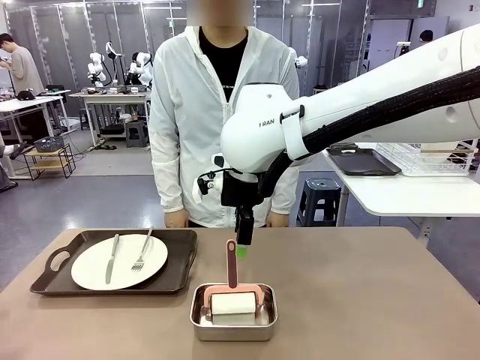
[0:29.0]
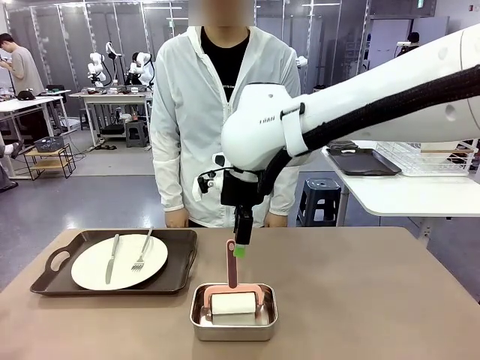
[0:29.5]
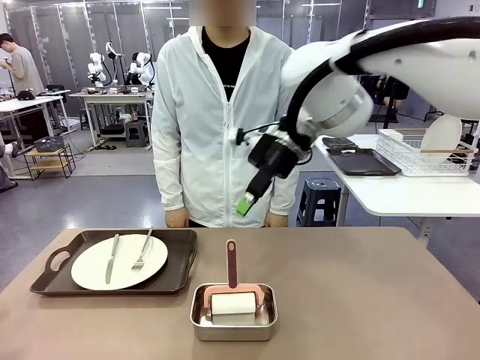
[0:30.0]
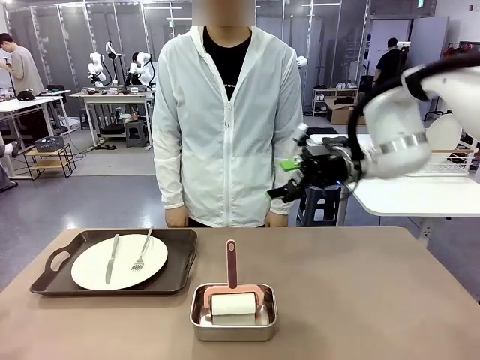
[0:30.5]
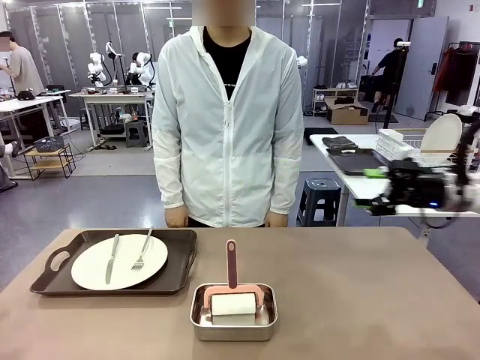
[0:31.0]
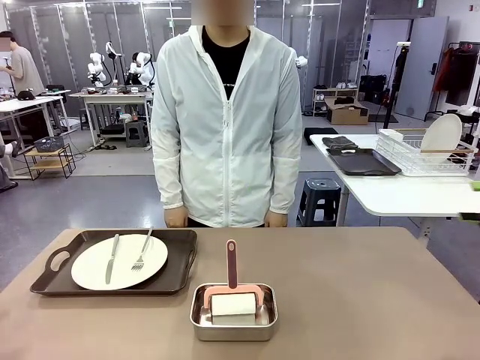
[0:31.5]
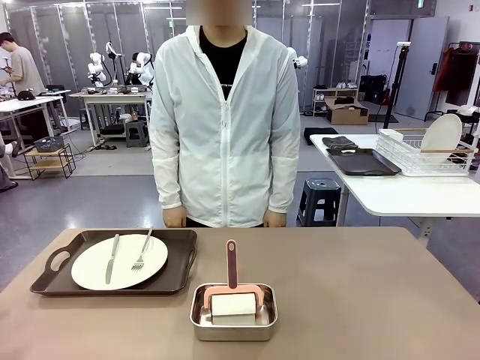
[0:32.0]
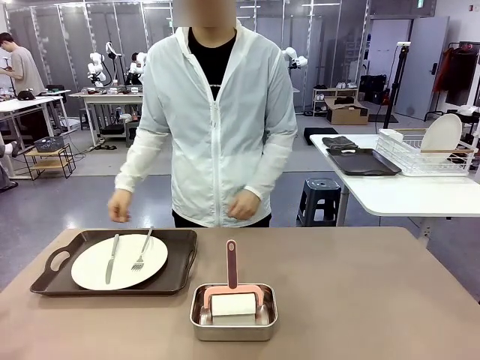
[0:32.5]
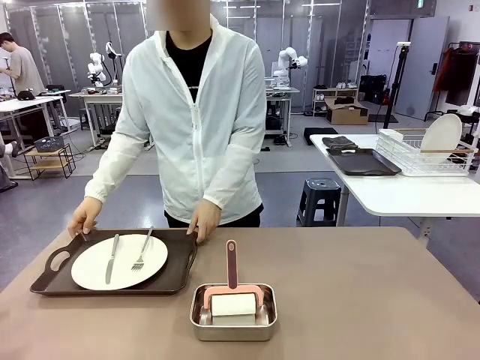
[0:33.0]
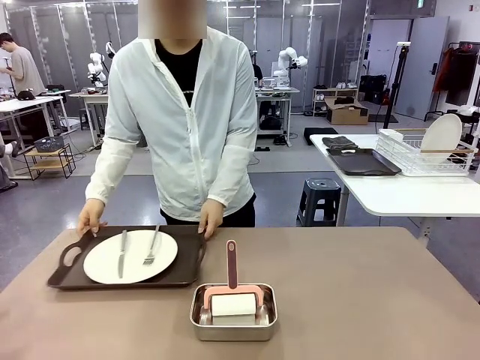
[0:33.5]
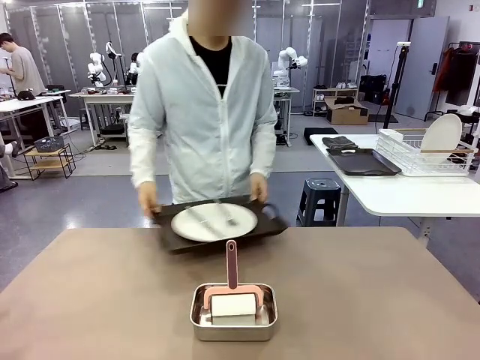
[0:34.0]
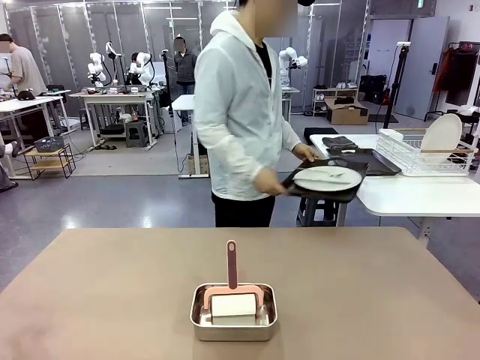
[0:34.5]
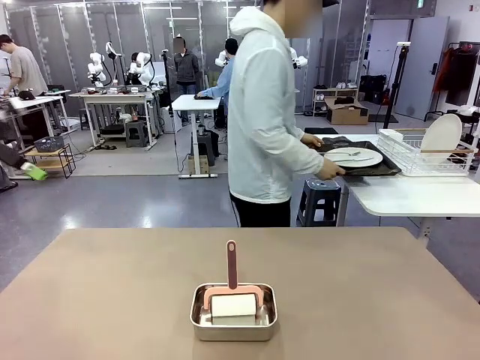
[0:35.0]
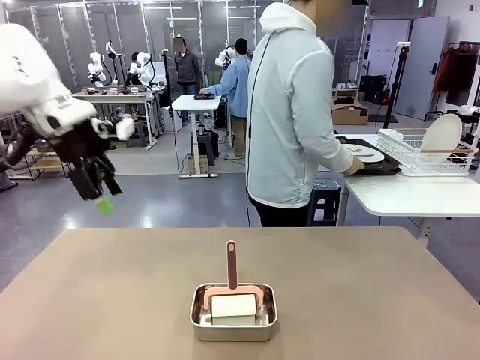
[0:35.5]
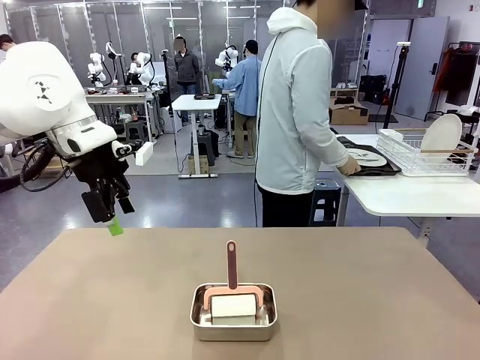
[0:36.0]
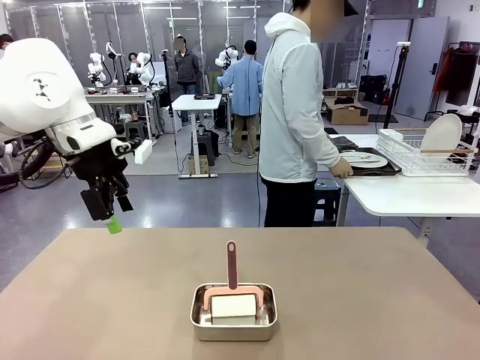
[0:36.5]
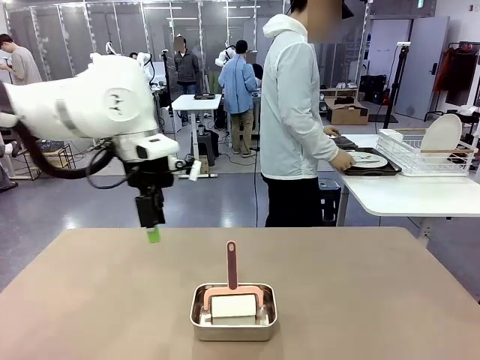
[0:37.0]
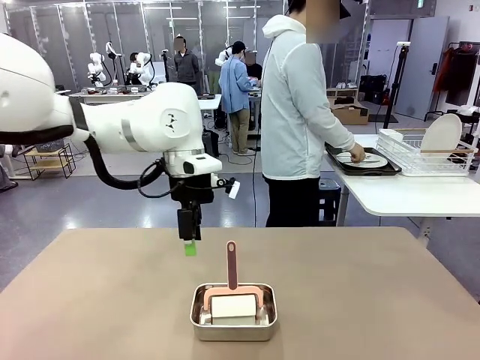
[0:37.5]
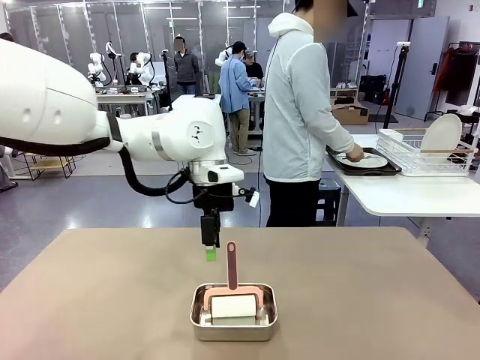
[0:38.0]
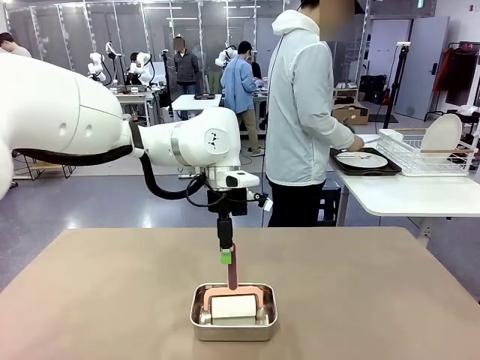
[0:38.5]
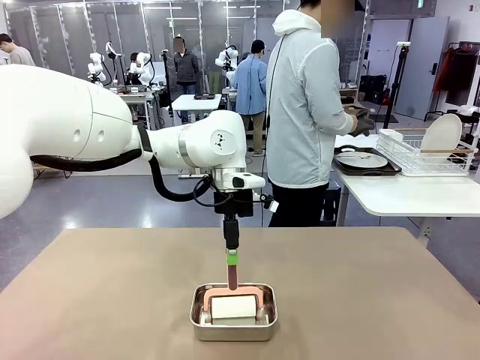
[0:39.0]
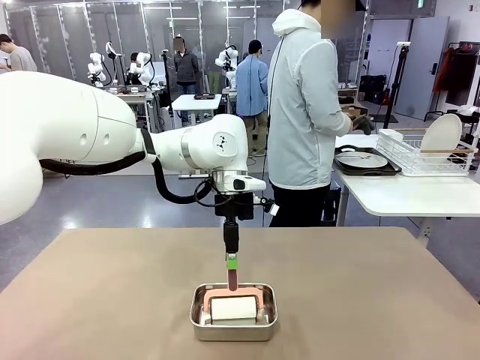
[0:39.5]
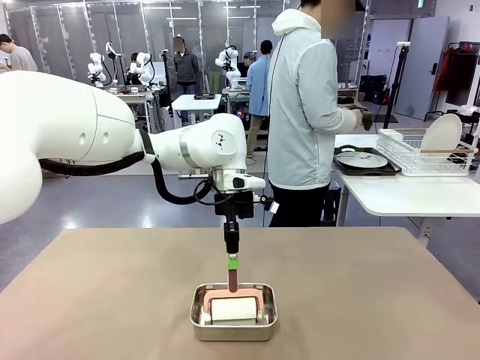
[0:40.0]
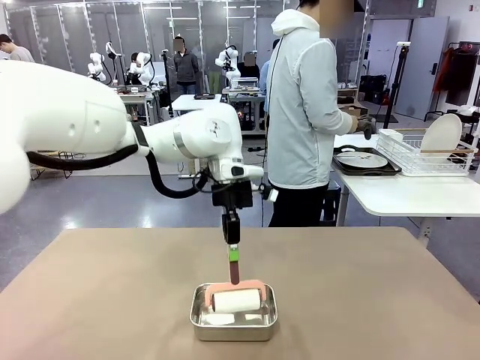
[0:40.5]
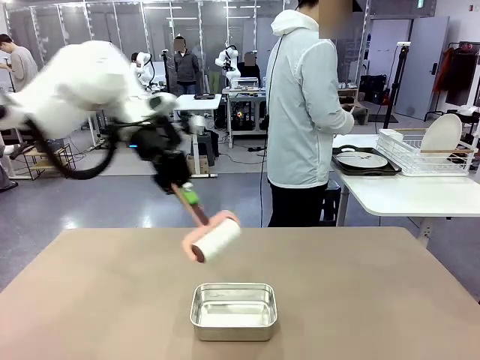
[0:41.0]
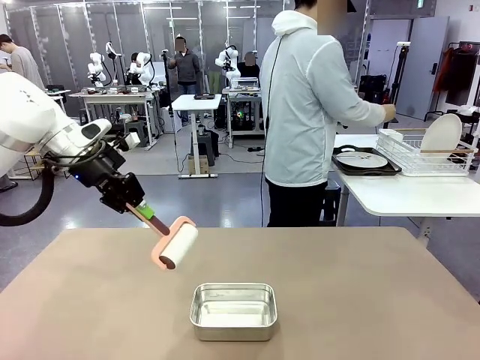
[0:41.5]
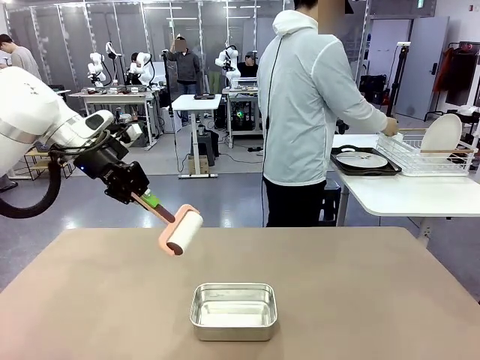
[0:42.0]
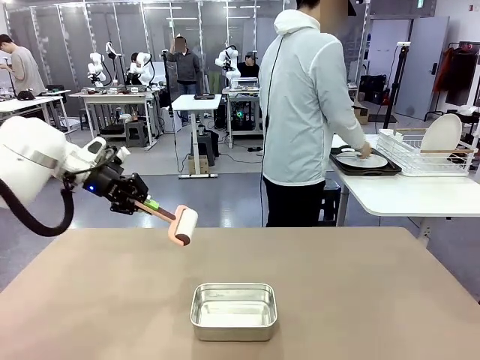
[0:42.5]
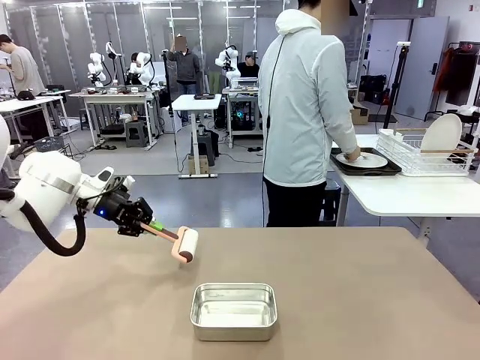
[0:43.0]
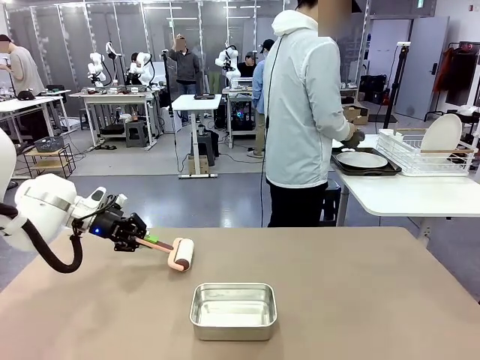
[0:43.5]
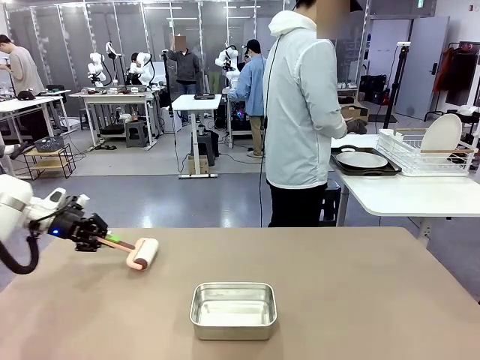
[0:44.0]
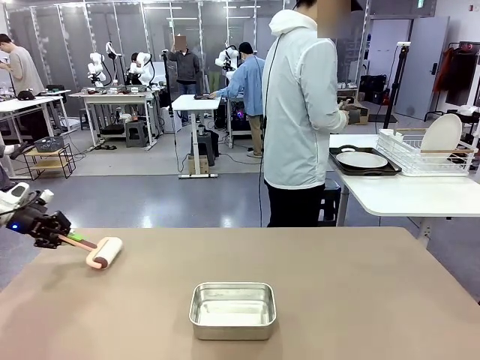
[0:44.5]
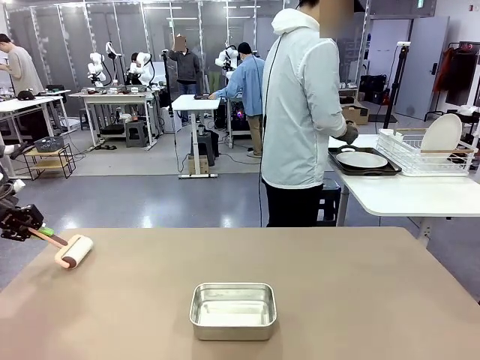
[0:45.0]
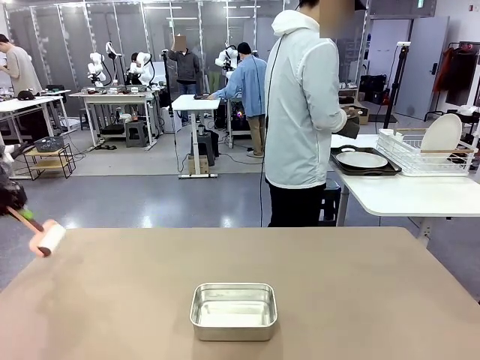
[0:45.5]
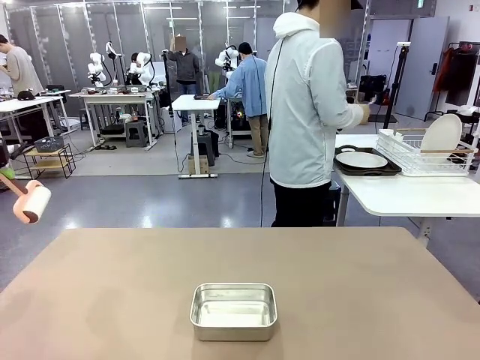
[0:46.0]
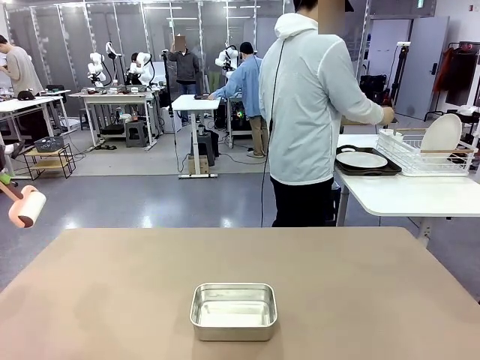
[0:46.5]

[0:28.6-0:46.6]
Robot: When the right (or left) Handle tray is removed, use the right hand (or left hand) to clean the right (or left) side of the table with the Lint Roller.
Person: Pick up the left (or right) Handle tray and place it on the Handle tray.

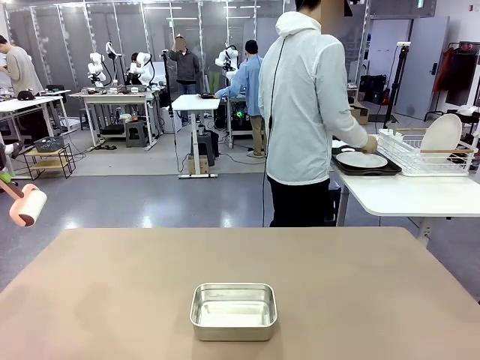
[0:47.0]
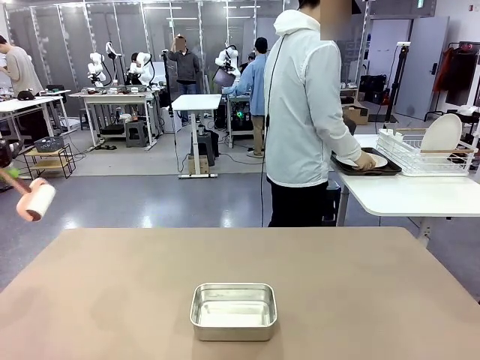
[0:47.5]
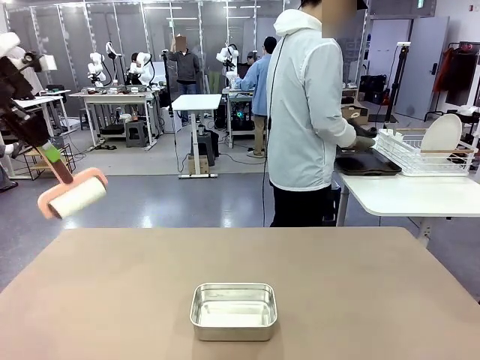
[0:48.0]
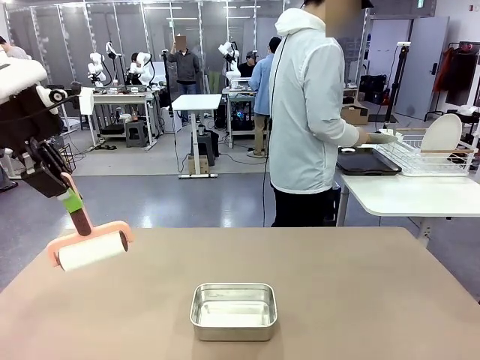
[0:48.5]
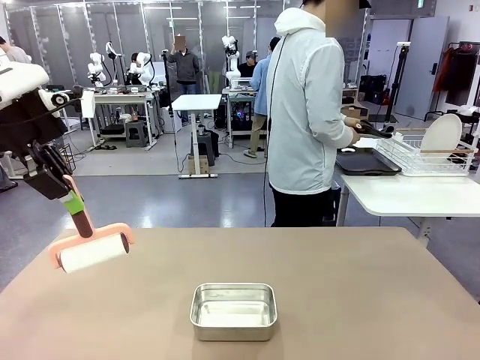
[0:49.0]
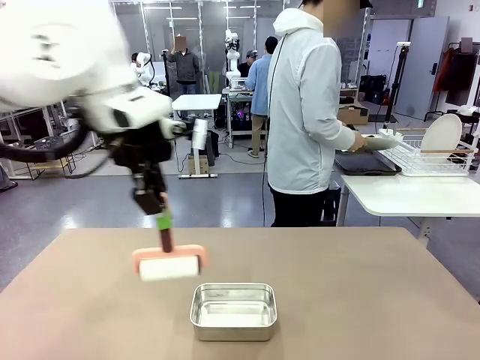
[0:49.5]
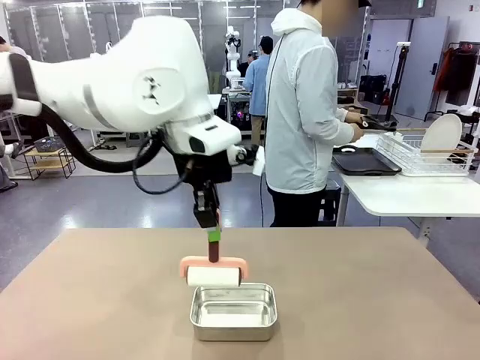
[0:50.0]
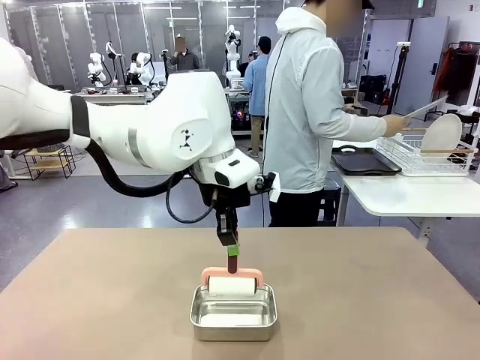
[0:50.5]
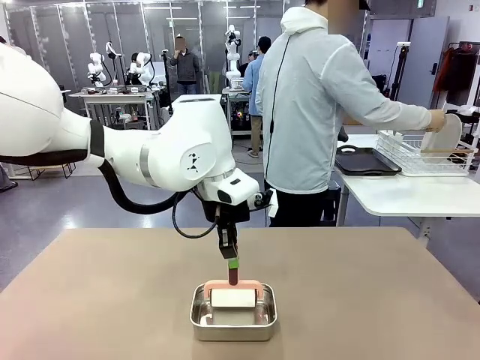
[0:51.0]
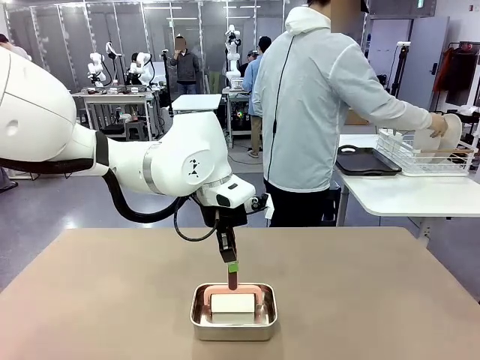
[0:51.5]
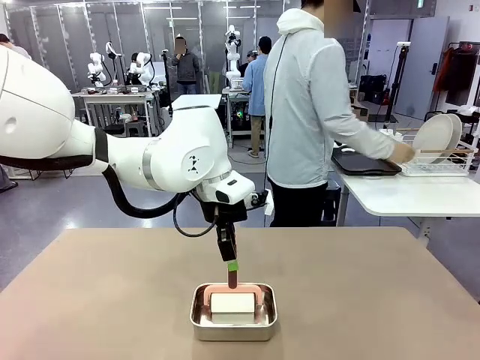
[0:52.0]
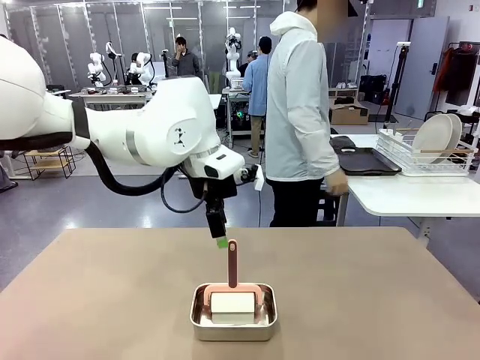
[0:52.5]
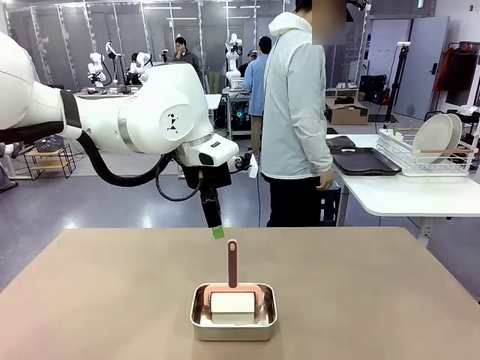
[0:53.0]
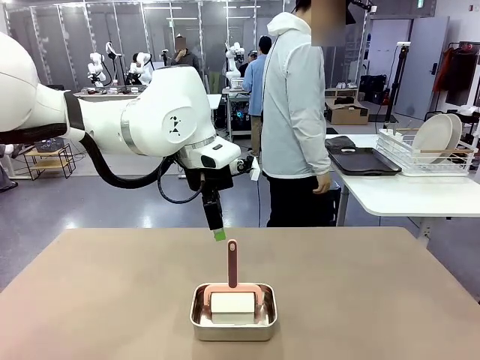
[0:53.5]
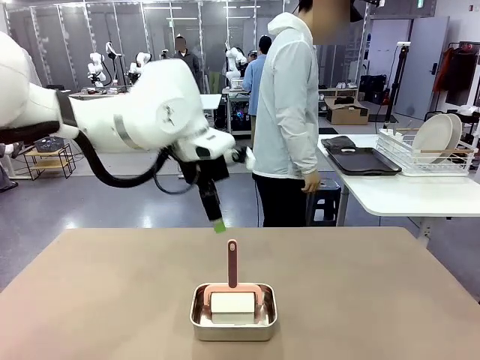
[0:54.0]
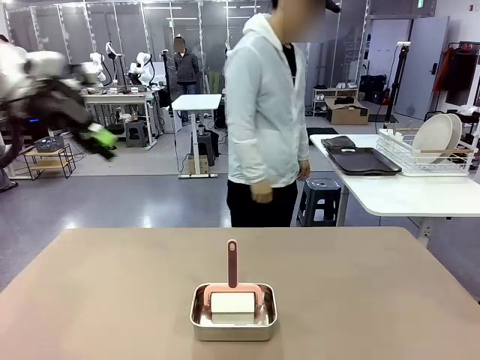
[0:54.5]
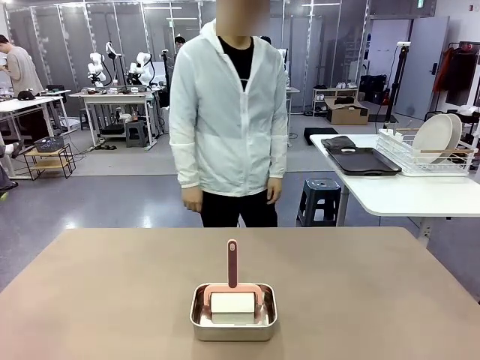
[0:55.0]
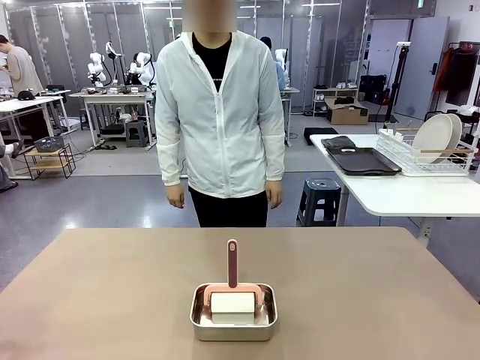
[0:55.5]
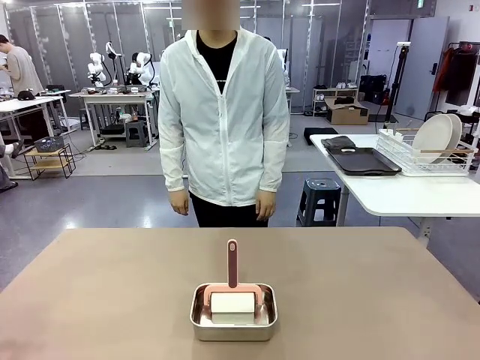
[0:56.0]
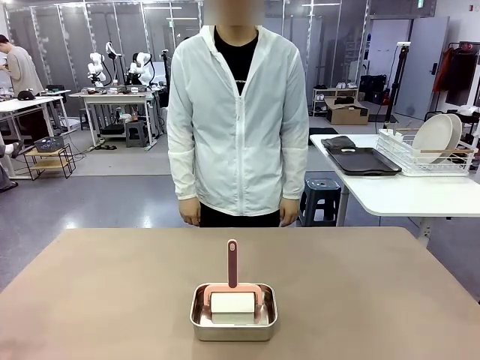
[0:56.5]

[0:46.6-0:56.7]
Robot: Place the Lint Roller back on top of the Airtight Container.
Person: Use the Towel with hook to wipe the Plastic Matte Plate , Fork , and Knife and place into the Dish drying rack.

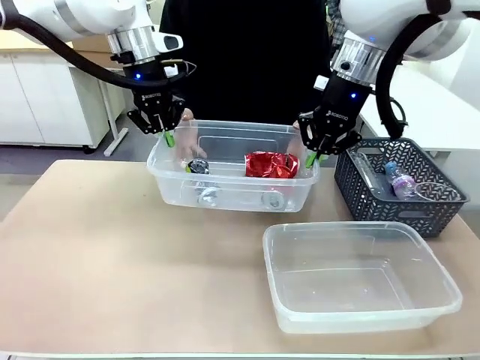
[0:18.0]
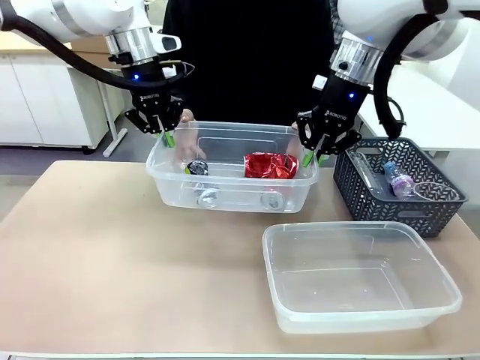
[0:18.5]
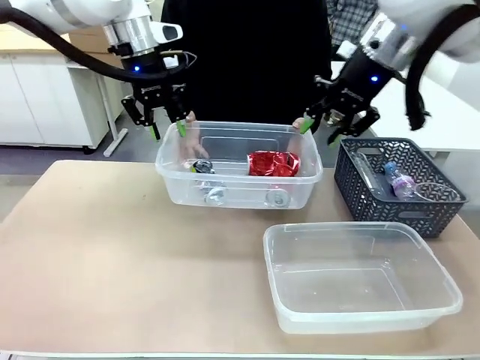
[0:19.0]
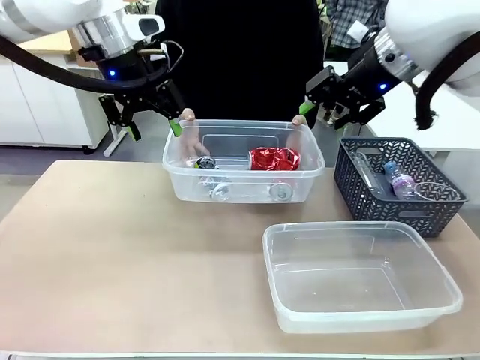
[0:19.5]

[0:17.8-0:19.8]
Robot: Release the Organizing box you were holding.
